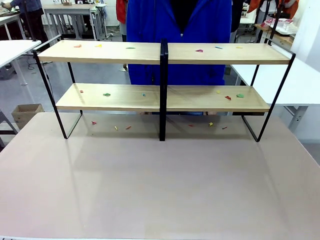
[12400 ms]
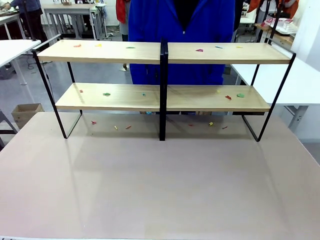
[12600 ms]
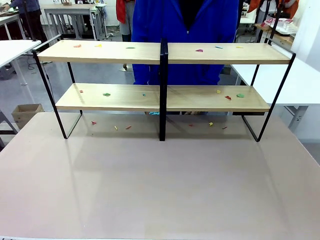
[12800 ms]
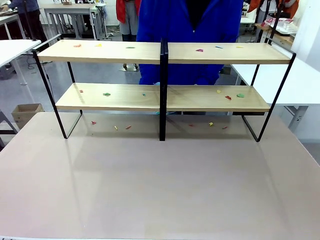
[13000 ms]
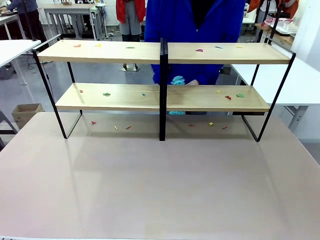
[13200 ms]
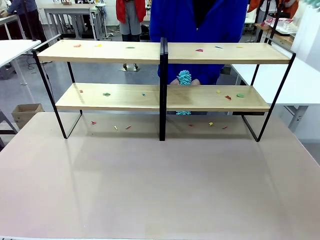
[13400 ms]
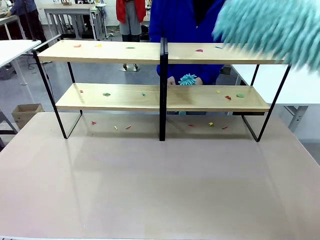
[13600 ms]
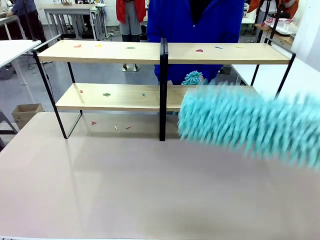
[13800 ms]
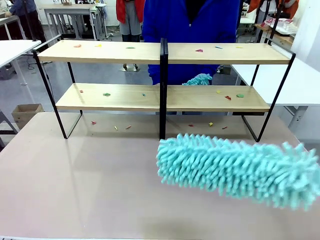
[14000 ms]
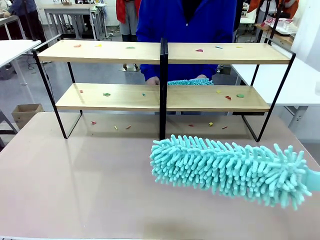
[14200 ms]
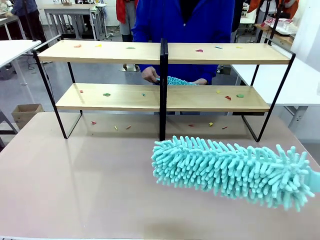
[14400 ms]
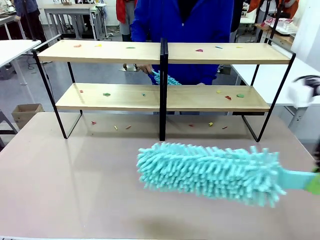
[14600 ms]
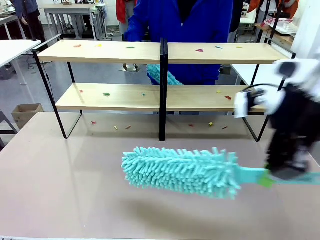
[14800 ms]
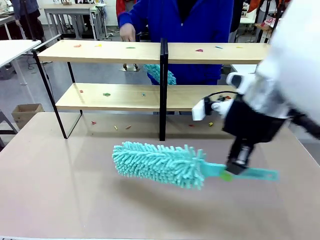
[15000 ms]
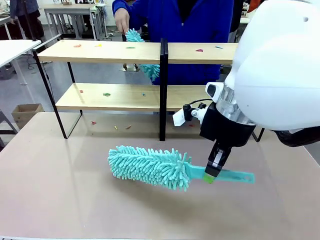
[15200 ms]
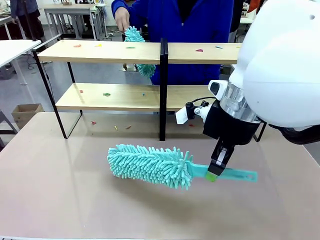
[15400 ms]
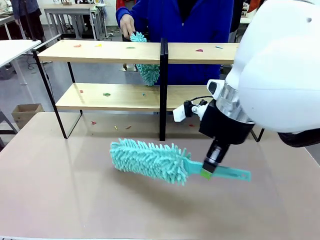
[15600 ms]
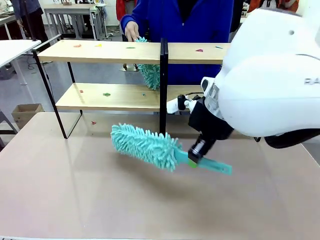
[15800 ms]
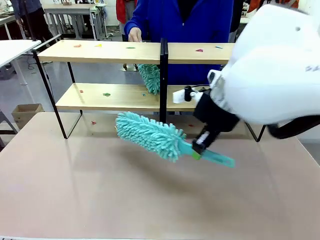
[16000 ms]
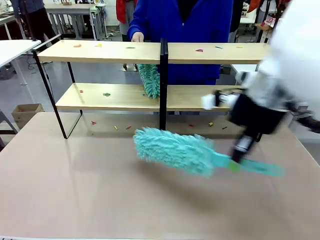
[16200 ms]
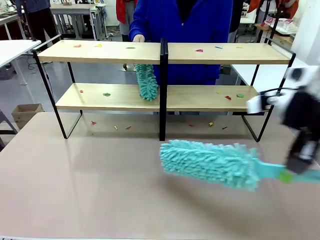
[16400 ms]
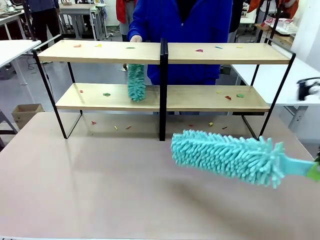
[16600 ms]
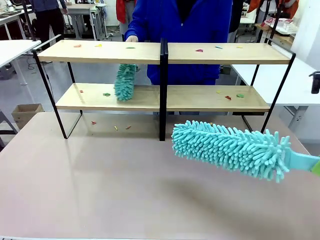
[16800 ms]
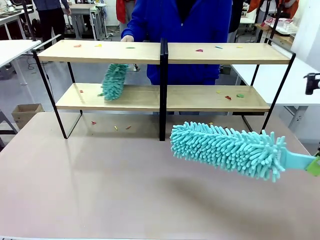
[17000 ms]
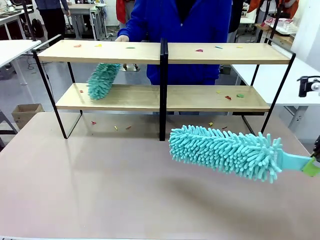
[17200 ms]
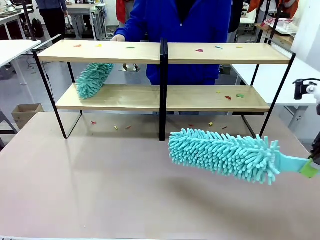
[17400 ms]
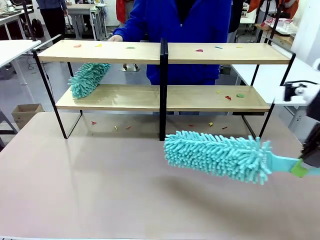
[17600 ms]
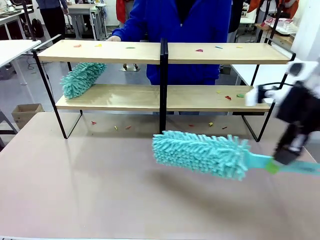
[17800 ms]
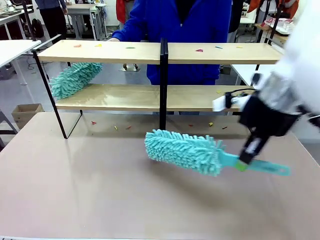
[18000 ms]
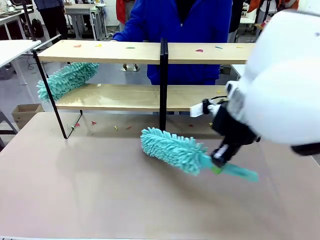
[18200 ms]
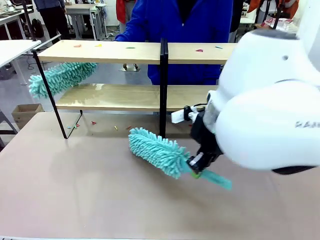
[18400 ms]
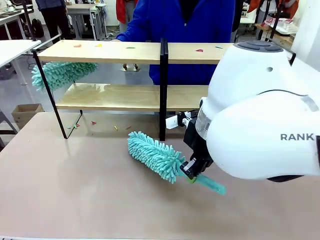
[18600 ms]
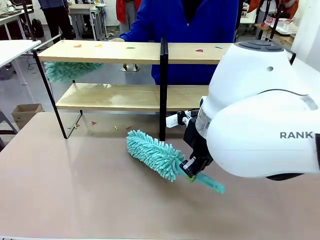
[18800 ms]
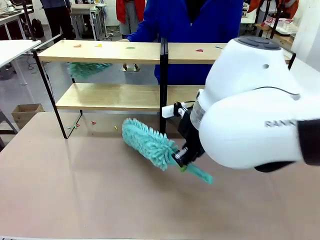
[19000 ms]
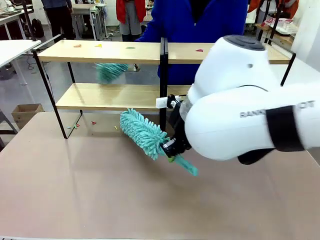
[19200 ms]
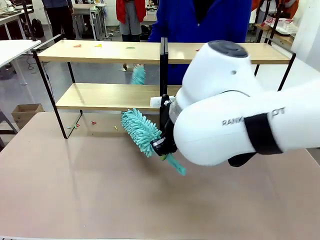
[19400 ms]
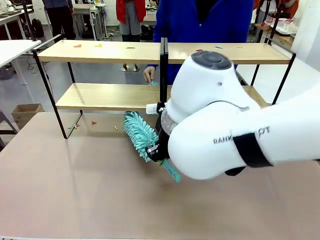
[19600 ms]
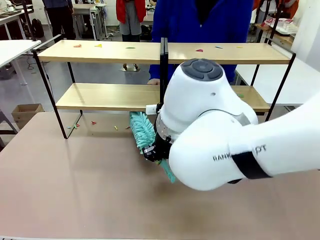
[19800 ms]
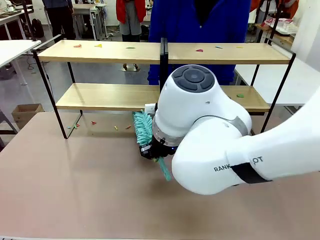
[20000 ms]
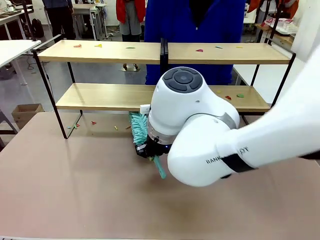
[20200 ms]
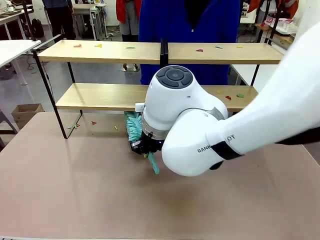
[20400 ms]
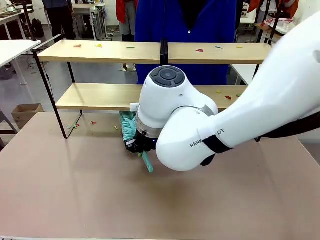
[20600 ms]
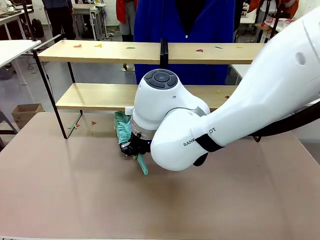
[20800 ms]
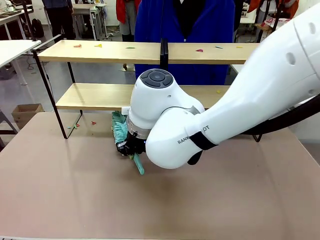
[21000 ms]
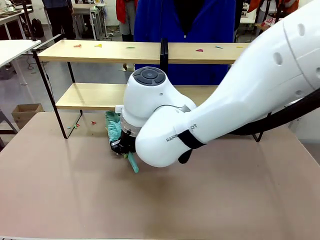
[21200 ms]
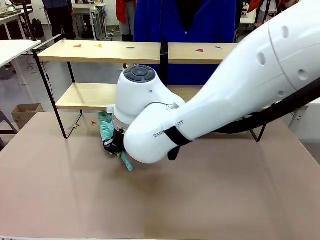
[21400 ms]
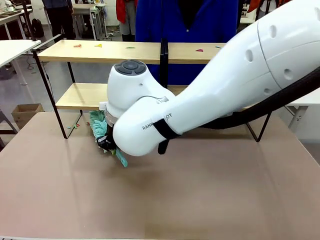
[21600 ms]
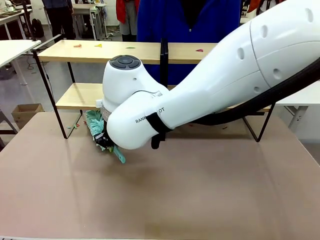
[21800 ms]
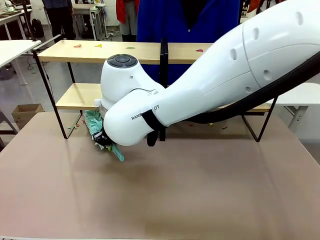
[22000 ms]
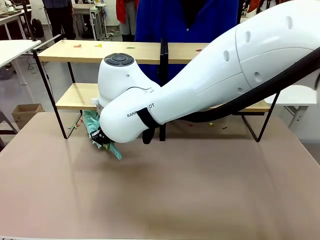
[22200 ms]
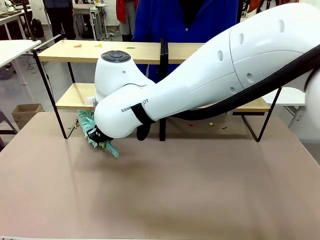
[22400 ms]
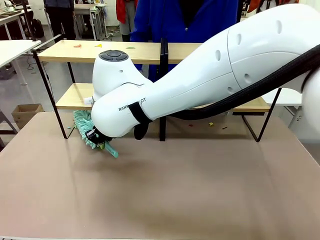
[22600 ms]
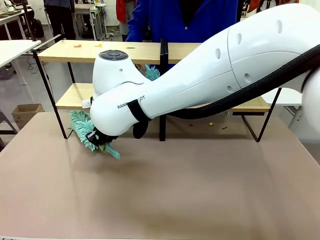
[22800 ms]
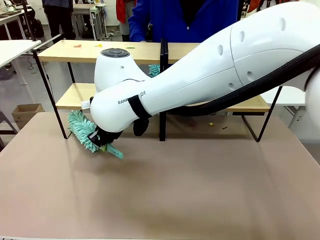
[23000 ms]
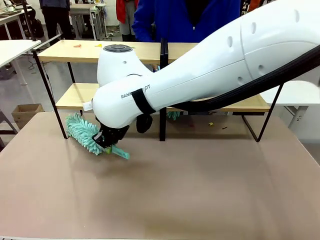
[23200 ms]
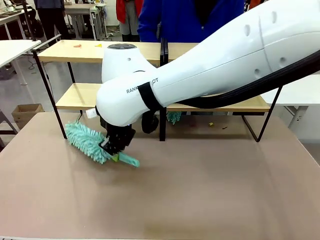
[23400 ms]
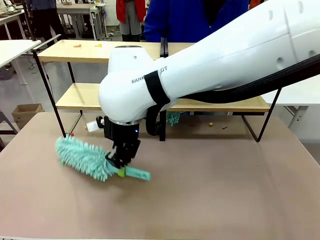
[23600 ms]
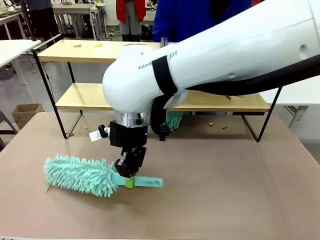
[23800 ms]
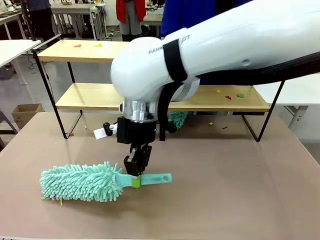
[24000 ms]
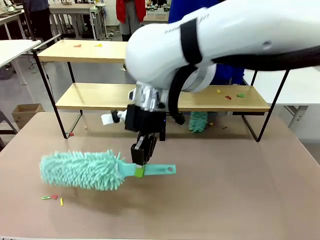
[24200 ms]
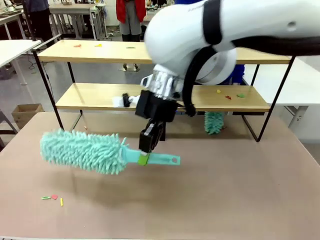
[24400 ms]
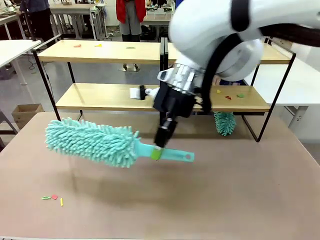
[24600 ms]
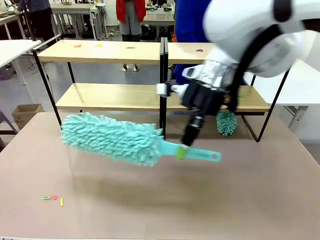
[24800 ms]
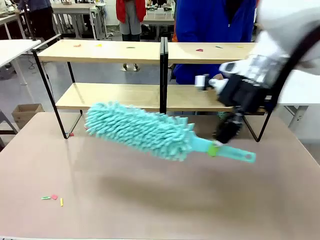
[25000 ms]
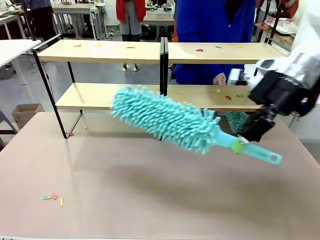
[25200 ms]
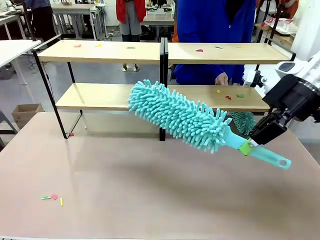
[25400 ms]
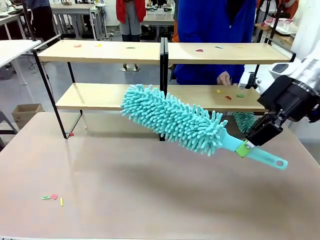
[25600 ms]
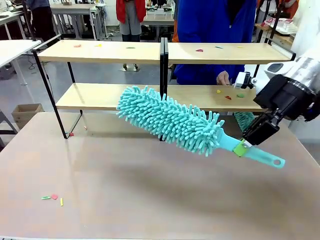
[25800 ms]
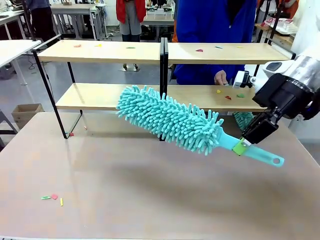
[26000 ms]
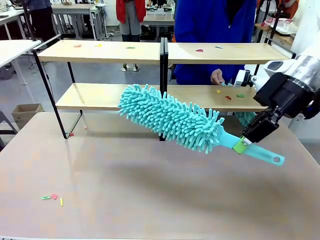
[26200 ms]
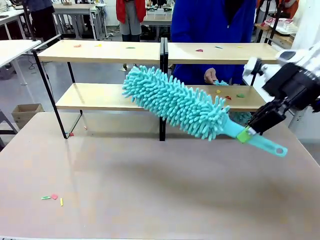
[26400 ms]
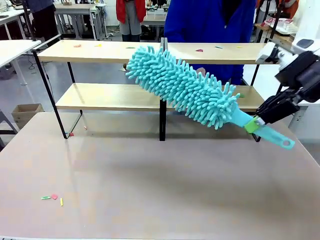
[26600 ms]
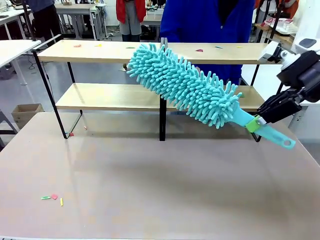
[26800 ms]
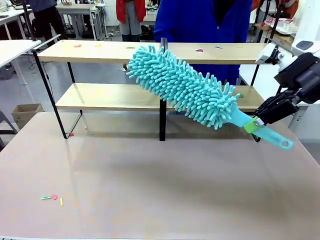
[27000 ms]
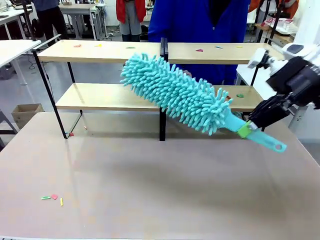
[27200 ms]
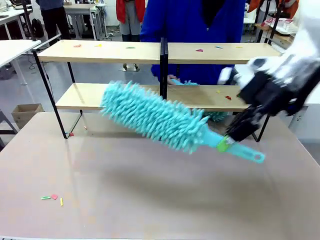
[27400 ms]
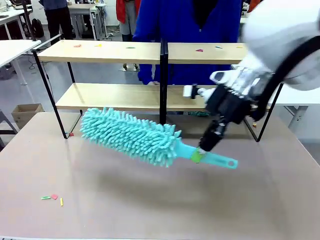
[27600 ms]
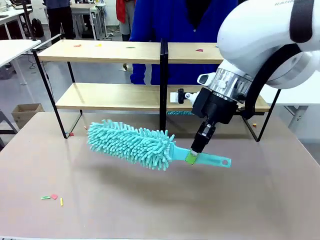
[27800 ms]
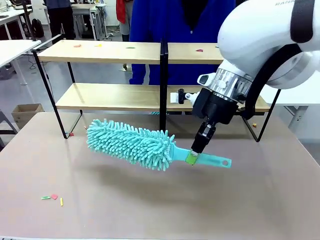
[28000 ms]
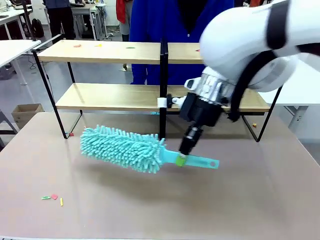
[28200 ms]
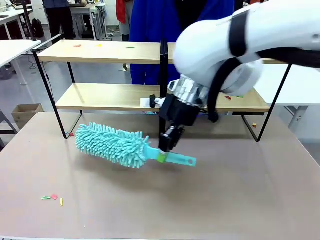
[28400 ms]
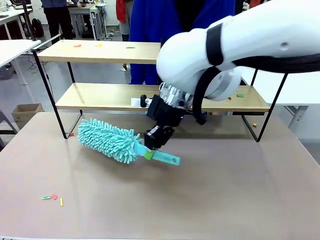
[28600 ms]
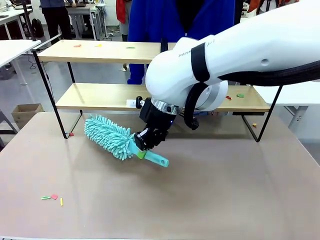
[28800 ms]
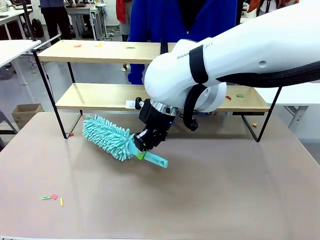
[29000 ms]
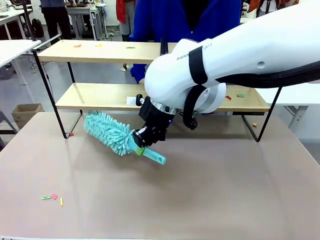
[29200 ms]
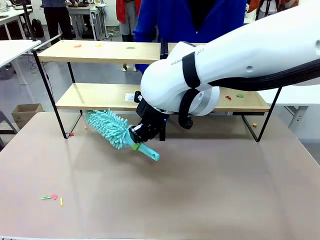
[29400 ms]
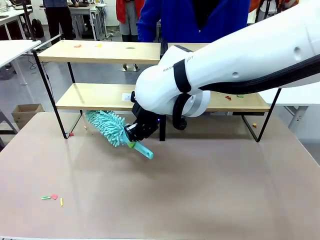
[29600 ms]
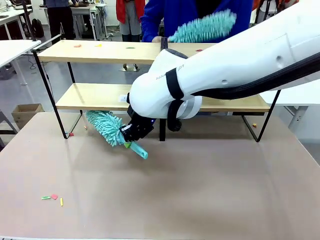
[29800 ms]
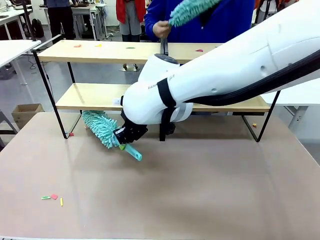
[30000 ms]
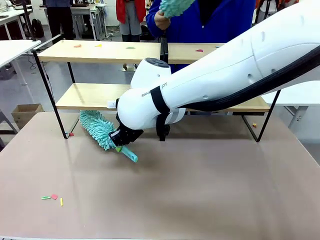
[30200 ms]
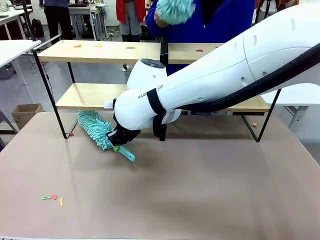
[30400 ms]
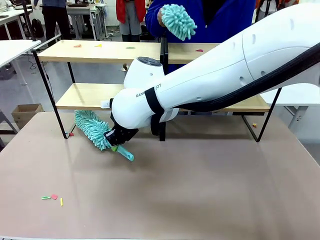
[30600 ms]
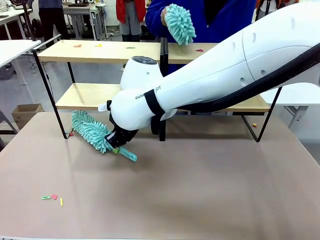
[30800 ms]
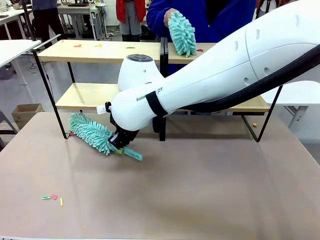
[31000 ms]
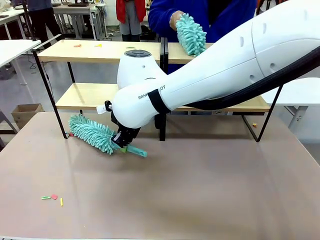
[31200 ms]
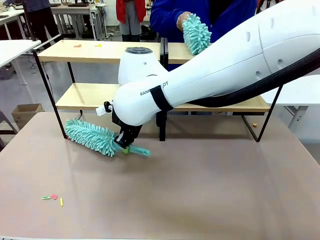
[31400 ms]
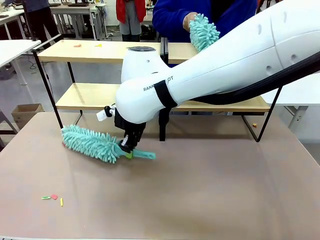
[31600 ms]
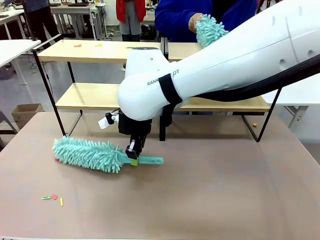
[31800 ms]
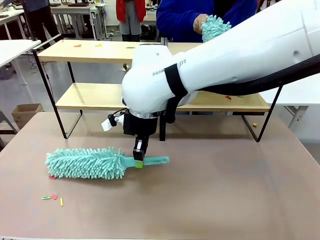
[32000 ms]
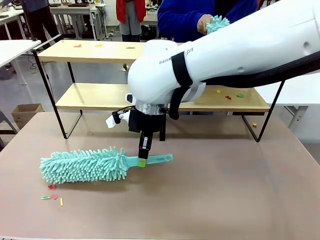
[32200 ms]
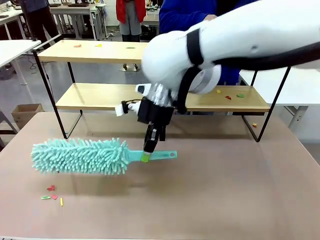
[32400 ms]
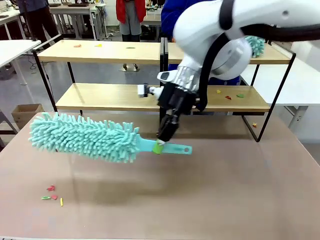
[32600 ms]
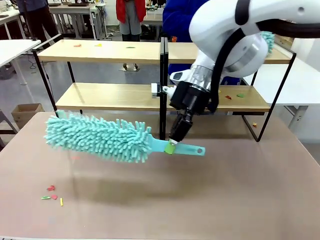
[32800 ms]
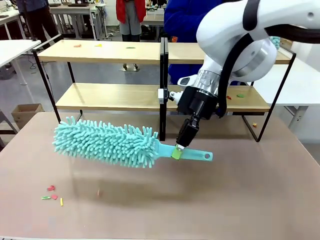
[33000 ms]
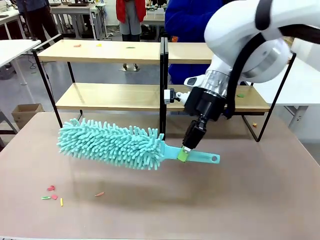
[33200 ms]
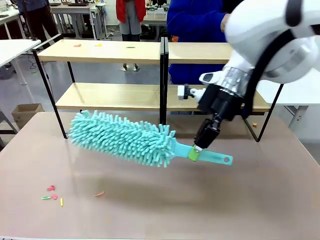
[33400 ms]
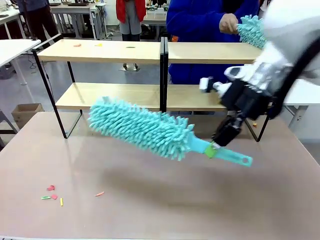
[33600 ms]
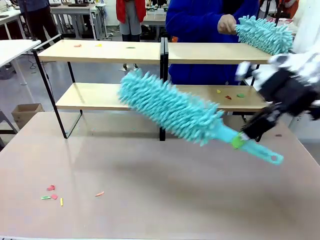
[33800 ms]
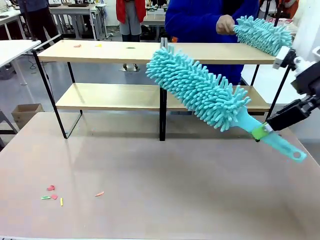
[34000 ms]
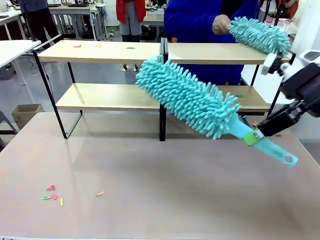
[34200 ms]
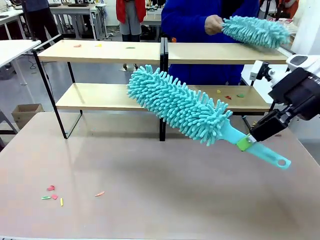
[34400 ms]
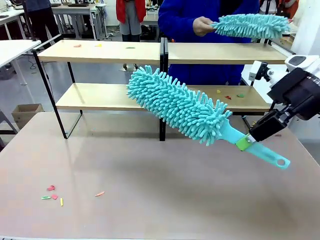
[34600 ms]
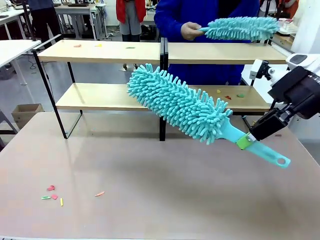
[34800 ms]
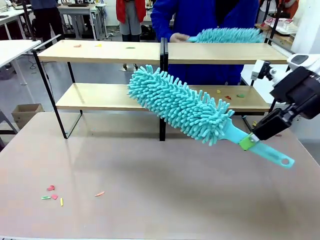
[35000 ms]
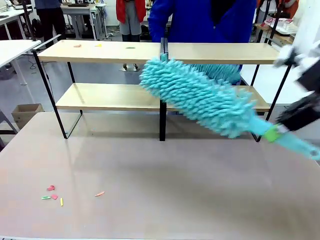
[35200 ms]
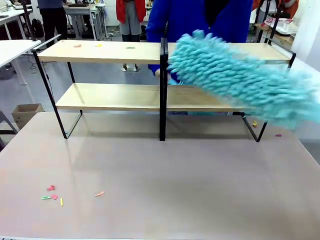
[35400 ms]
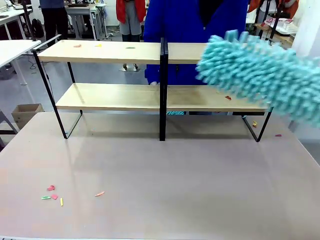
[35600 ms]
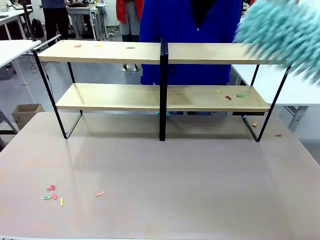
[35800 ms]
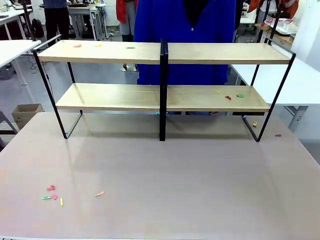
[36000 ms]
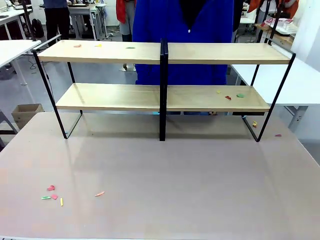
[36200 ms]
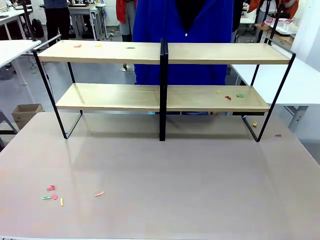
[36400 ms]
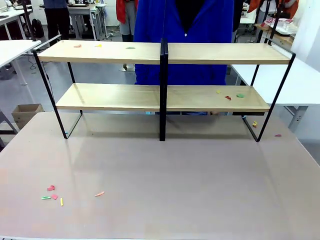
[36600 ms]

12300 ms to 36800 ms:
Task: Clean the shelves.
Robot: Clean a randomly selected level of the Shelf with the Duster.
